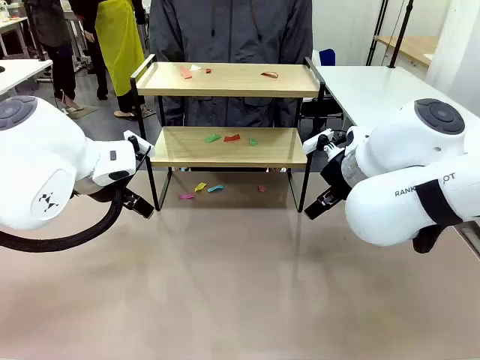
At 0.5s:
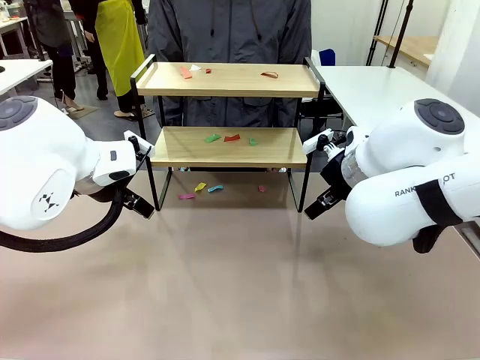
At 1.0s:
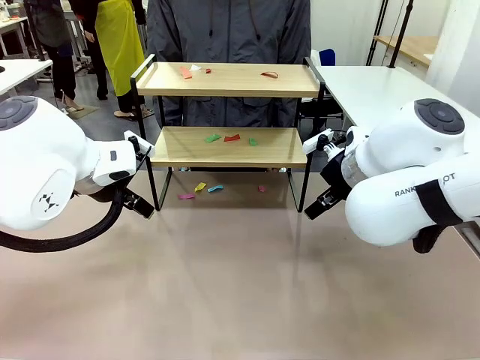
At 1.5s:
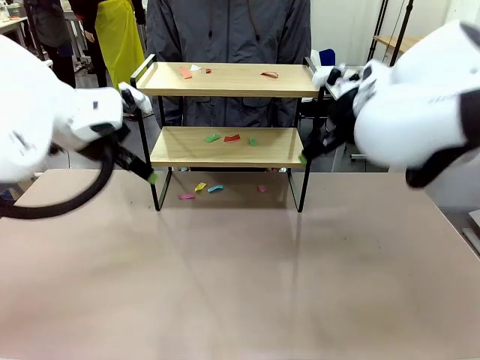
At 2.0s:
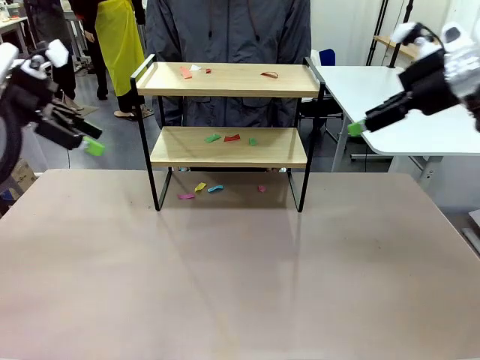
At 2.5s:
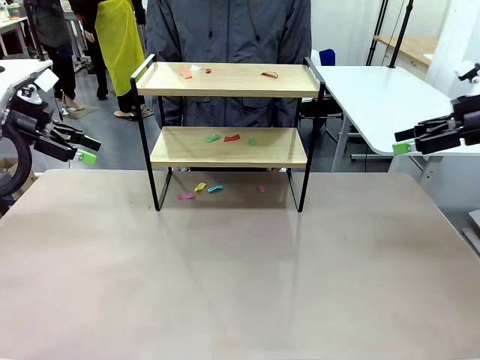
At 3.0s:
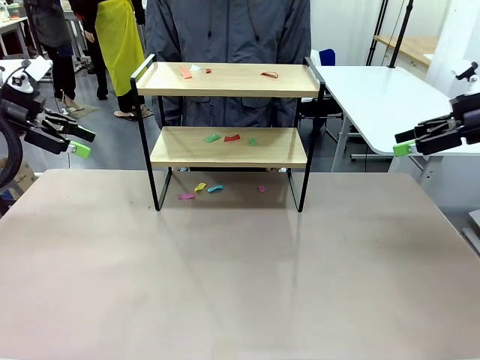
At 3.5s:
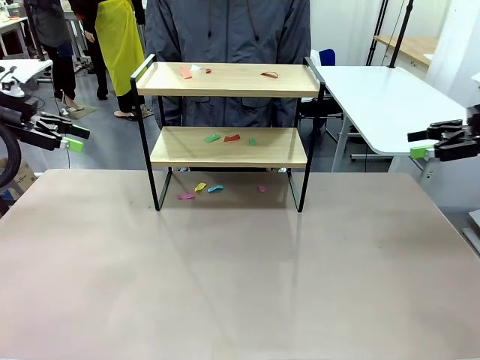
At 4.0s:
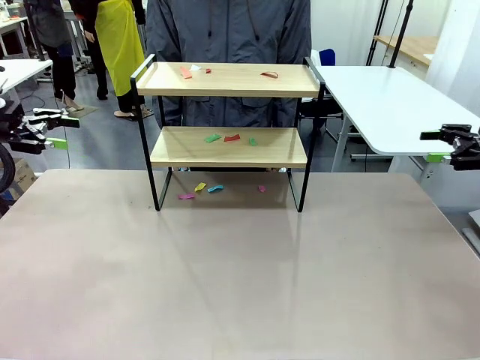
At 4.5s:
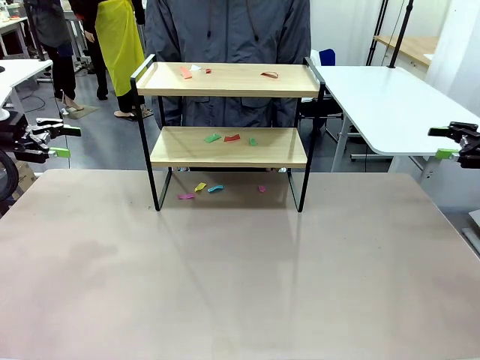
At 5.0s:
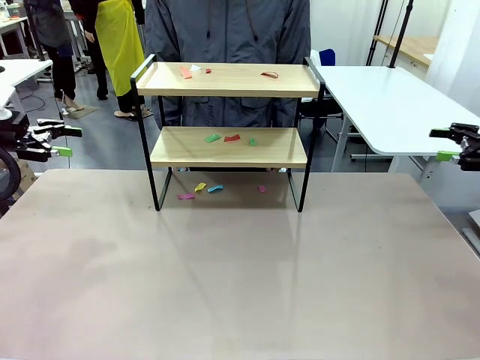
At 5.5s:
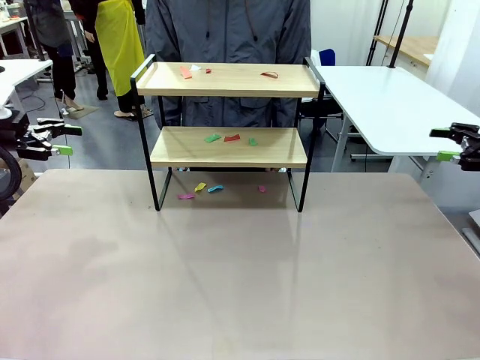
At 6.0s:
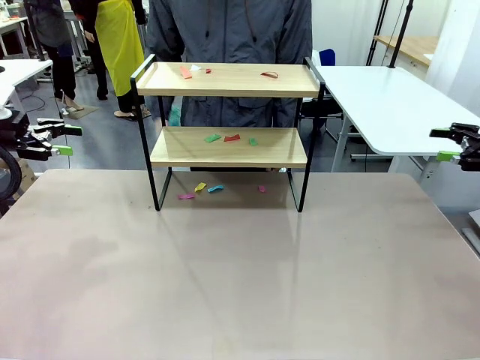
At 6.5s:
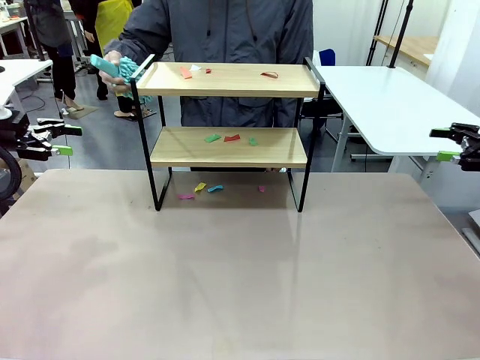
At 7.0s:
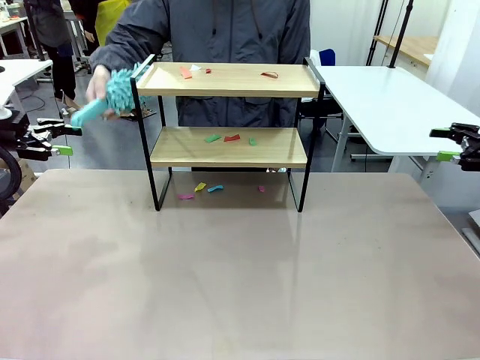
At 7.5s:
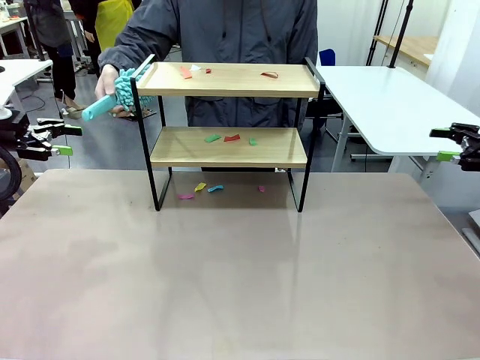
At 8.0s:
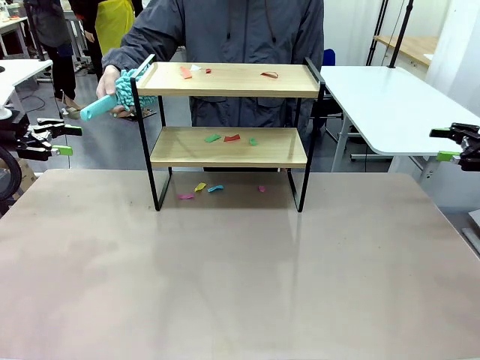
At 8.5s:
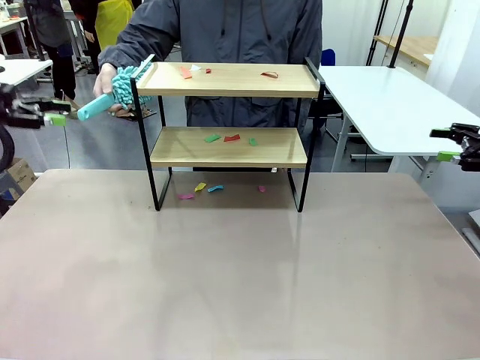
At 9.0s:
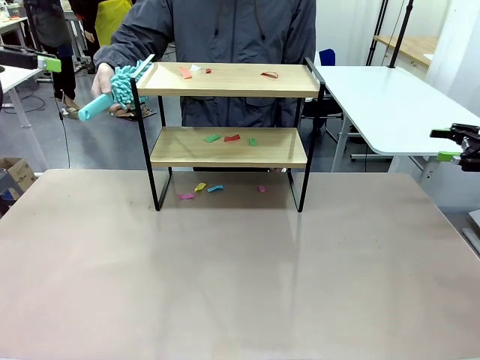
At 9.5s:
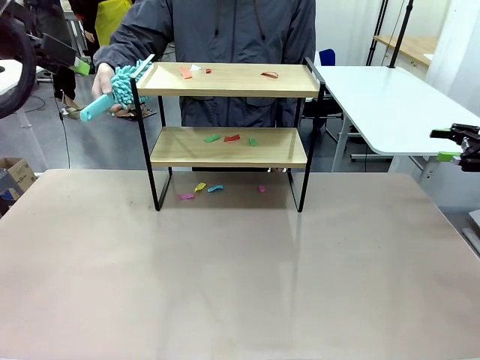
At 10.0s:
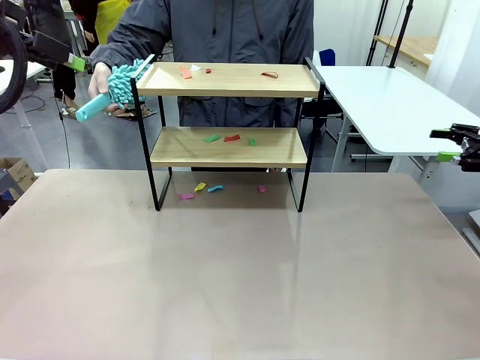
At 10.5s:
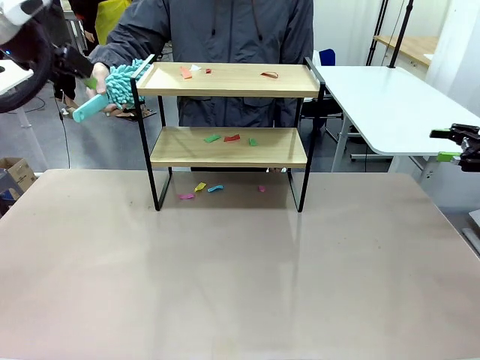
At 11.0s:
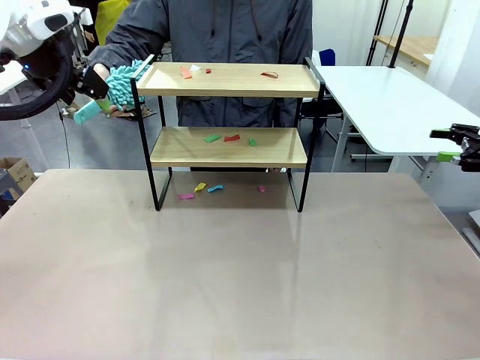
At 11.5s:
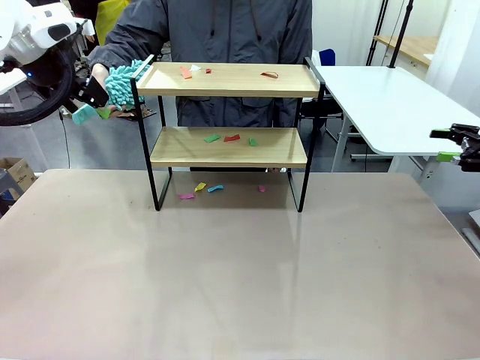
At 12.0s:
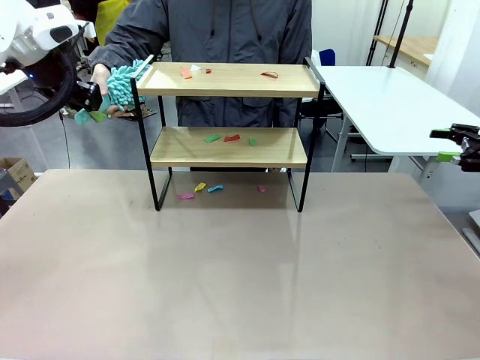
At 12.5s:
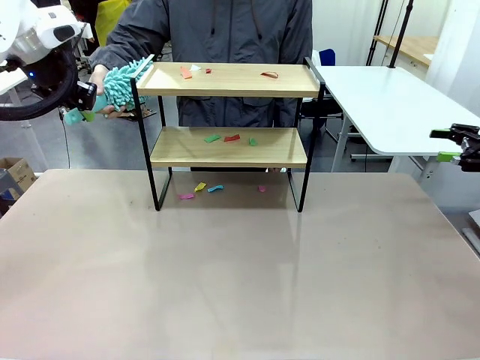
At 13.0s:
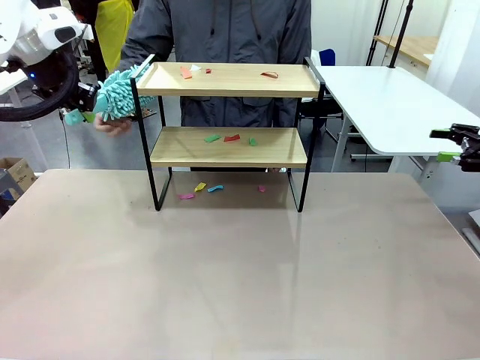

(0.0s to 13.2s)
Task: Clean the shelf.
Robot: Pick up the Duster handed by the human.
Person: Hand the Duster to the robot.

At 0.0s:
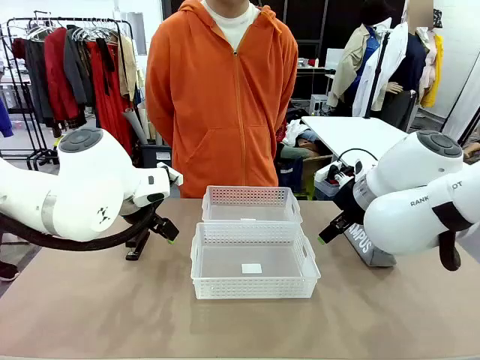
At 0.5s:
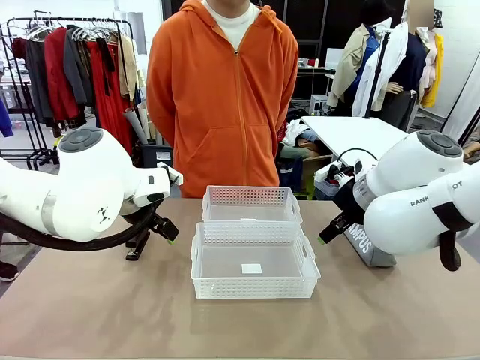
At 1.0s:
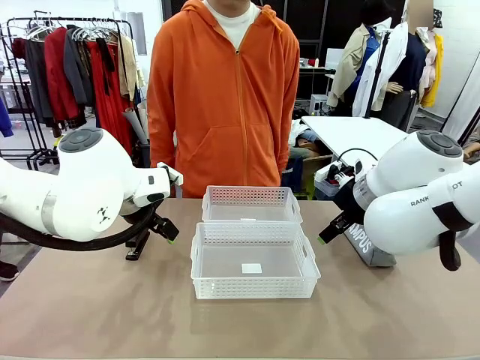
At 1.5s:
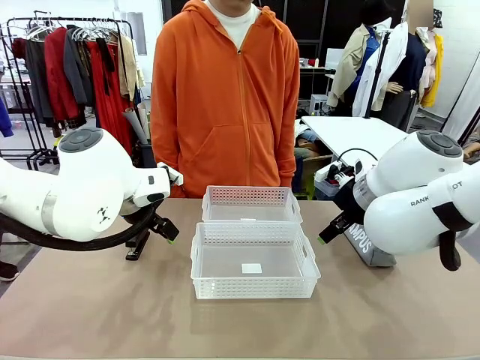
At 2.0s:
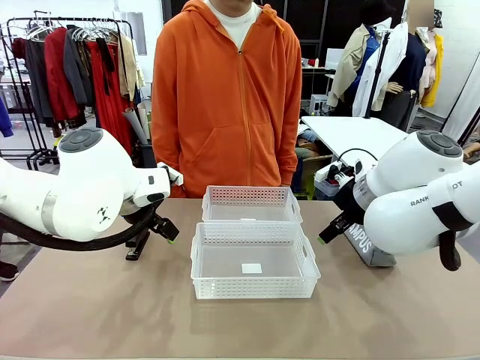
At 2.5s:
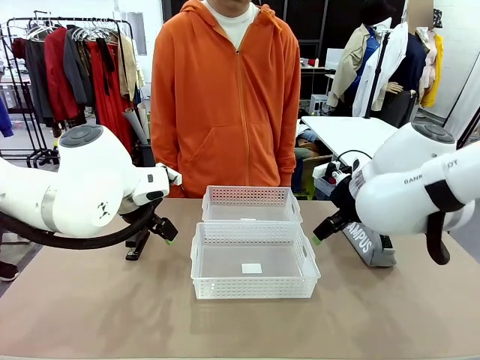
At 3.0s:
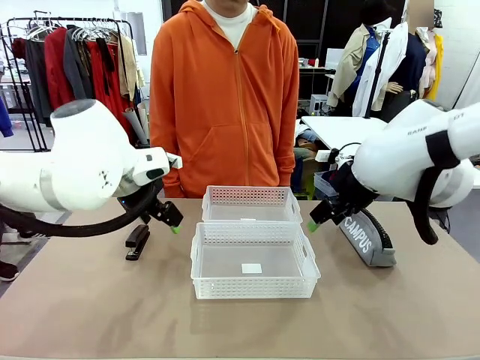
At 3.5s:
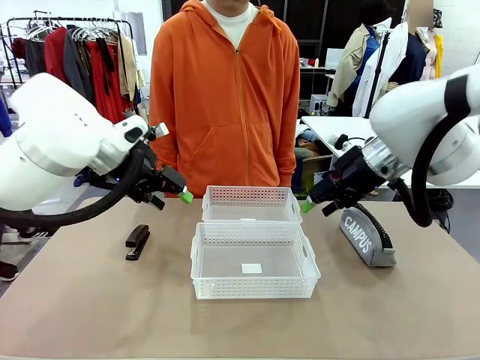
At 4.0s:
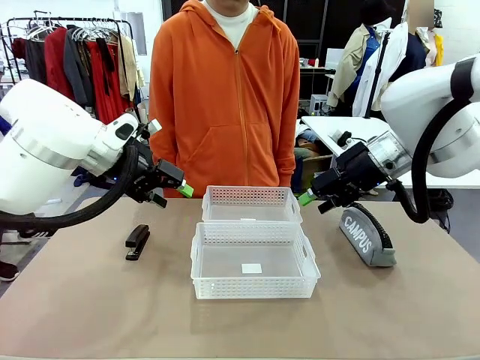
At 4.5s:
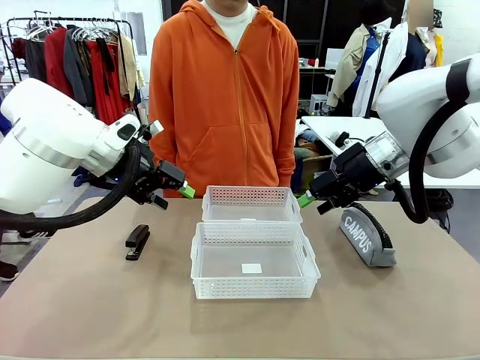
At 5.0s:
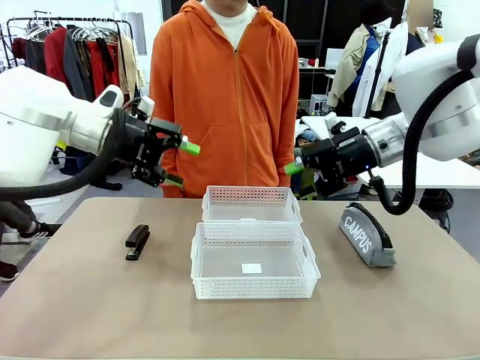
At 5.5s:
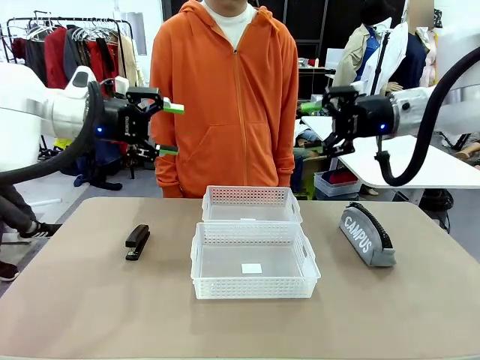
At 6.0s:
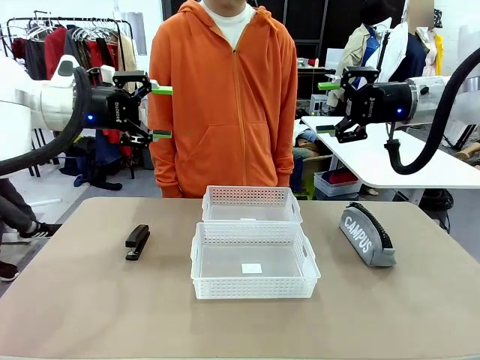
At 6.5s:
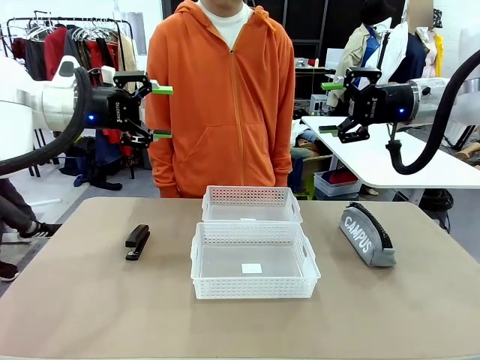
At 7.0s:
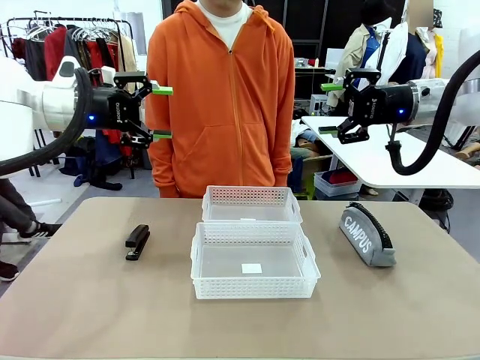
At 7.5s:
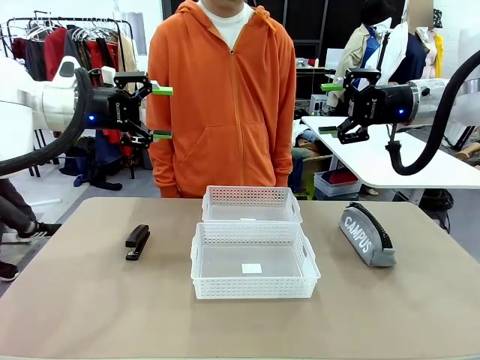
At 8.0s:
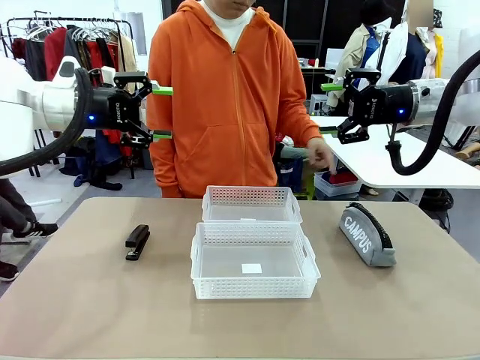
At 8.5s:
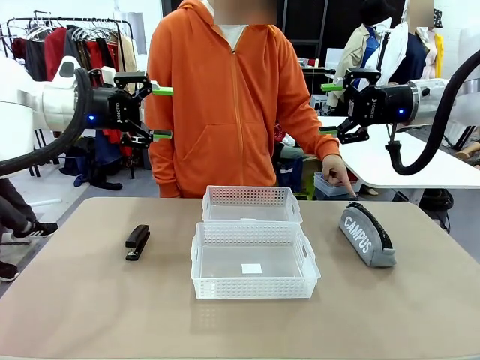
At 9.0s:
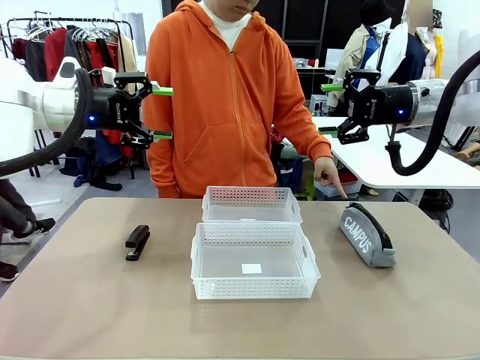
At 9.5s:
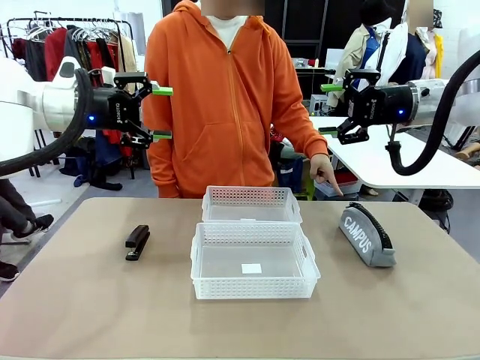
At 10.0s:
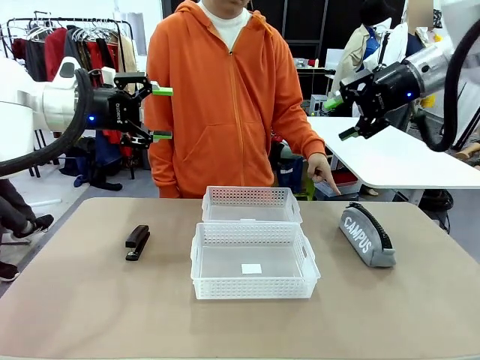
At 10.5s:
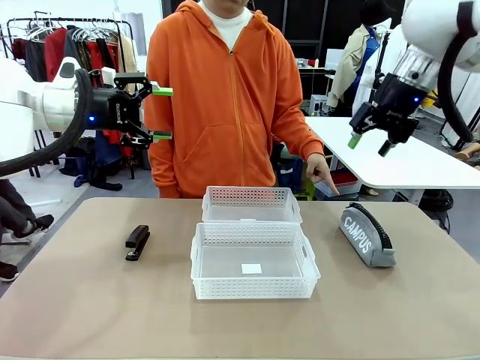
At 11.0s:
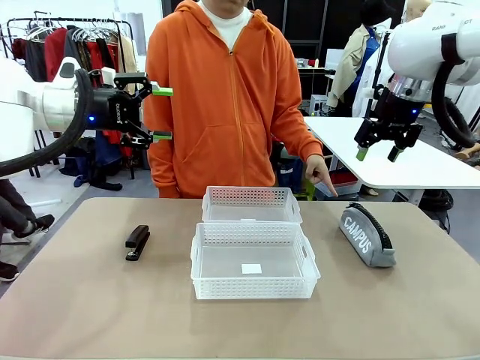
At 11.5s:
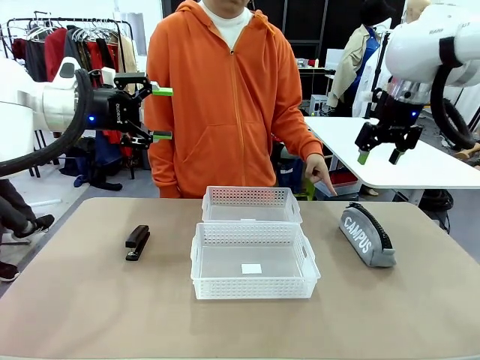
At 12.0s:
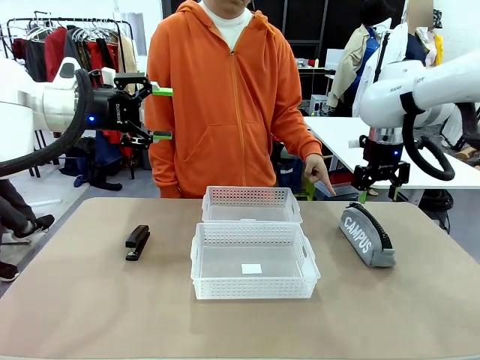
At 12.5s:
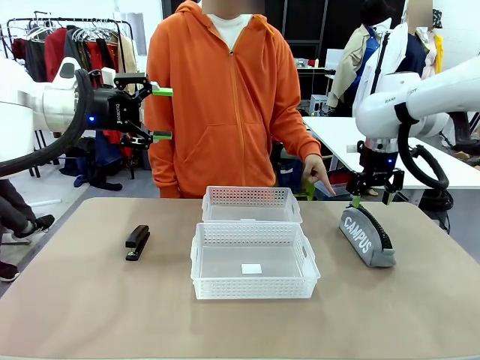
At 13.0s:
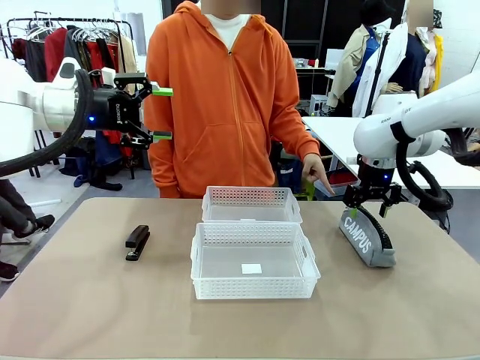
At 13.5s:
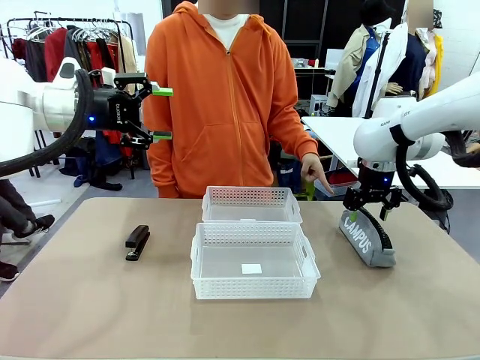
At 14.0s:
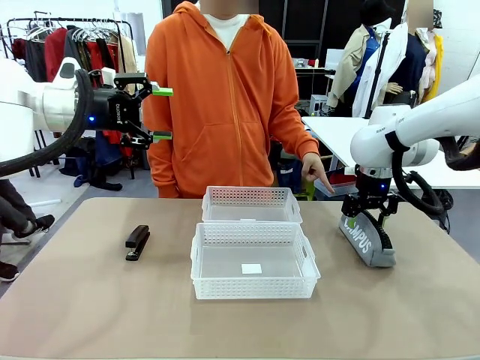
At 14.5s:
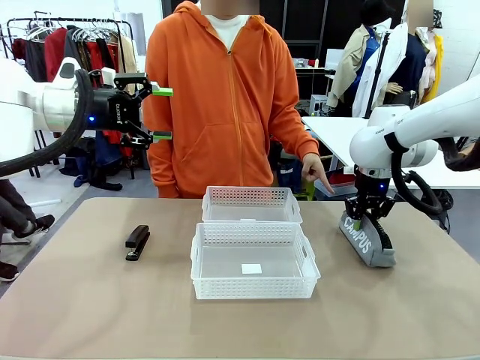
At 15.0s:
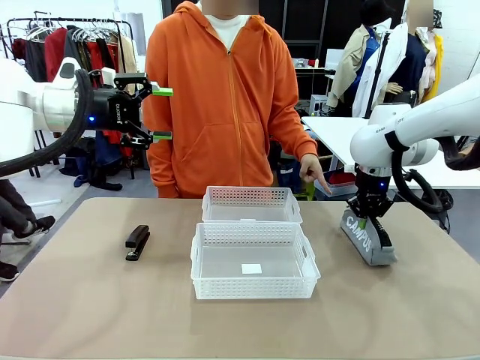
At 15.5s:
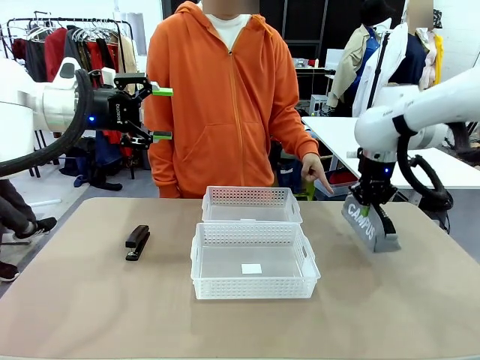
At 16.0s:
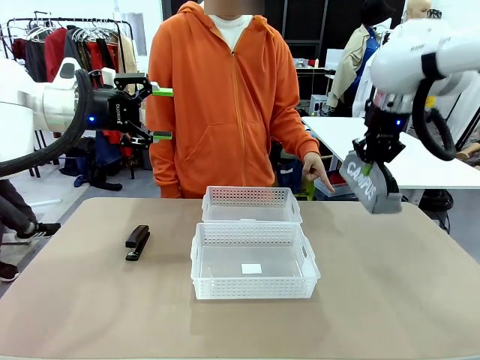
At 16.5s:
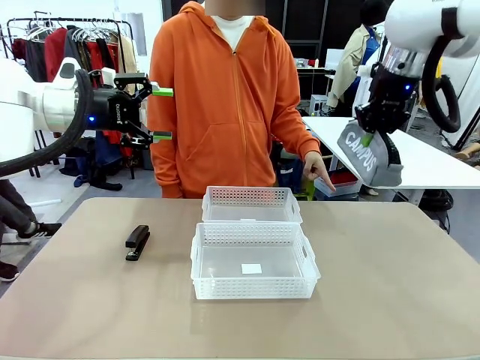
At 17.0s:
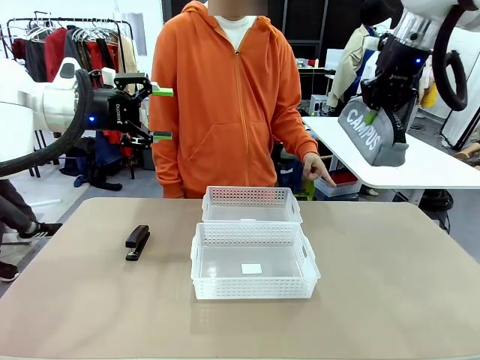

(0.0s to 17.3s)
Task: Distribute items into two baskets.
Robot: Pick up the Pencil pouch that the person points to.
Person: Points to the pencil case. Points between the two organizing baskets and instructs the robot to move the pencil case.
